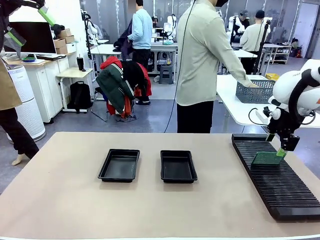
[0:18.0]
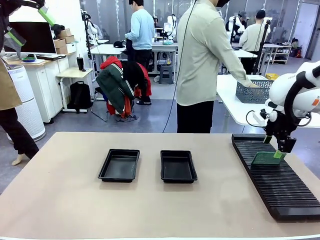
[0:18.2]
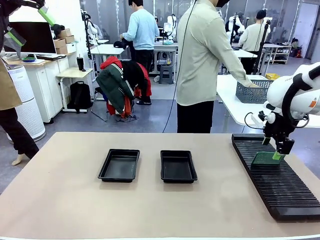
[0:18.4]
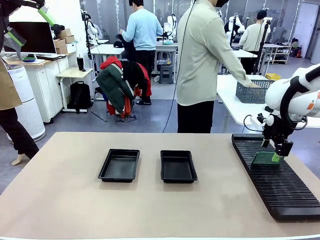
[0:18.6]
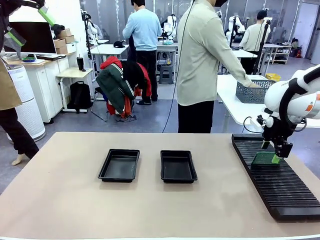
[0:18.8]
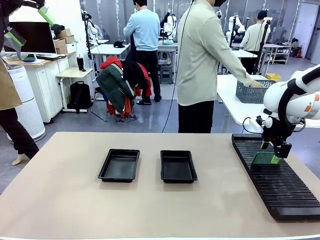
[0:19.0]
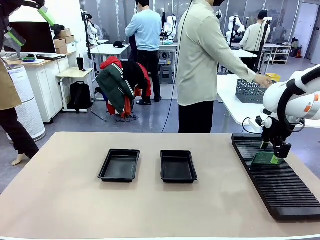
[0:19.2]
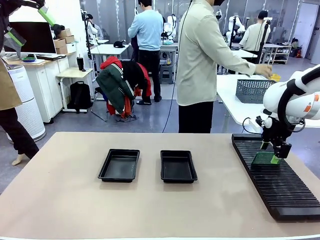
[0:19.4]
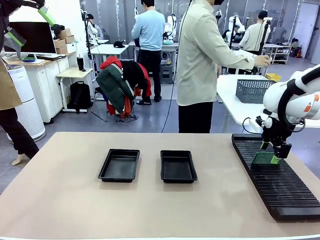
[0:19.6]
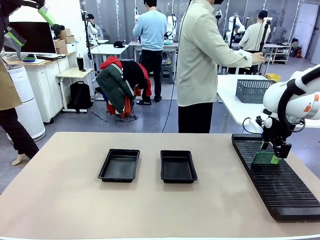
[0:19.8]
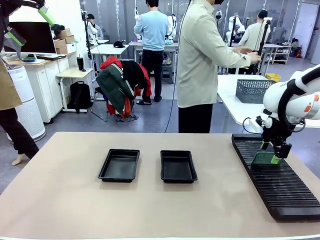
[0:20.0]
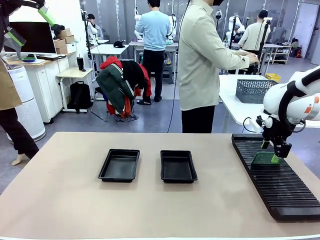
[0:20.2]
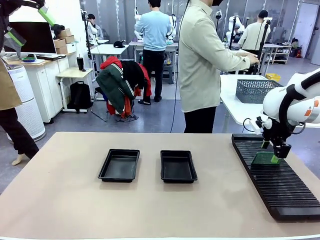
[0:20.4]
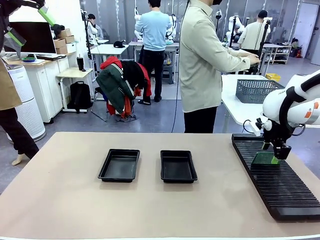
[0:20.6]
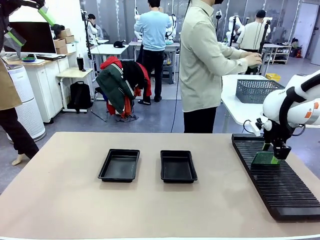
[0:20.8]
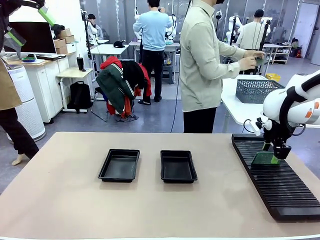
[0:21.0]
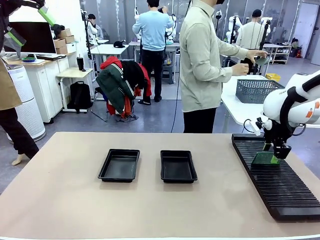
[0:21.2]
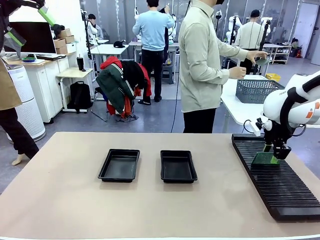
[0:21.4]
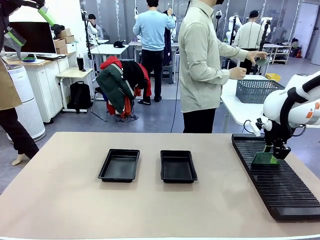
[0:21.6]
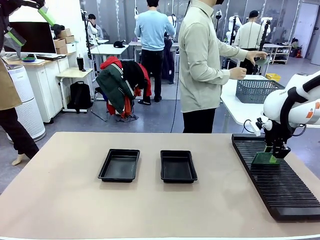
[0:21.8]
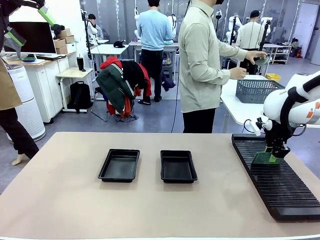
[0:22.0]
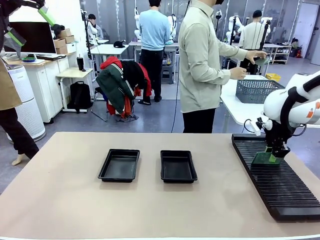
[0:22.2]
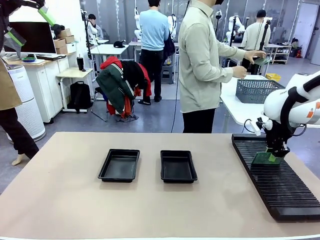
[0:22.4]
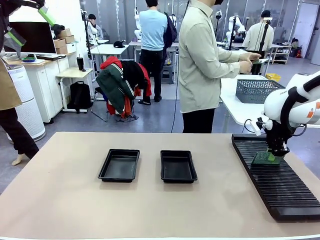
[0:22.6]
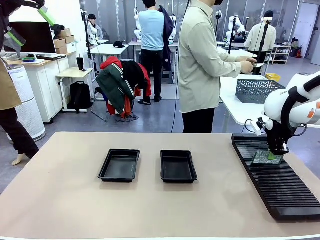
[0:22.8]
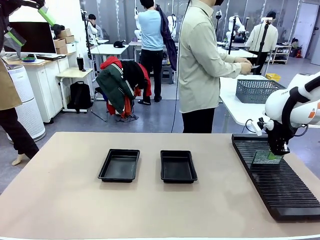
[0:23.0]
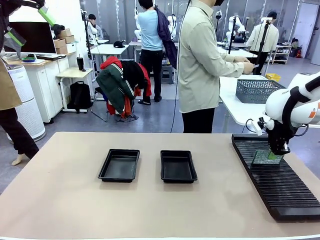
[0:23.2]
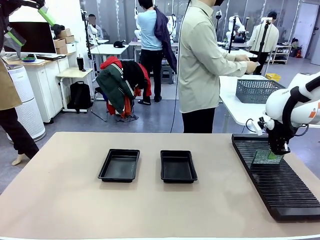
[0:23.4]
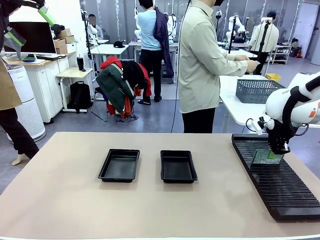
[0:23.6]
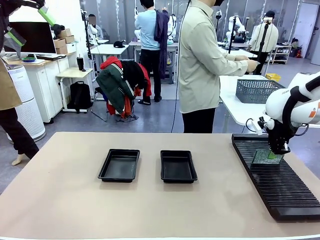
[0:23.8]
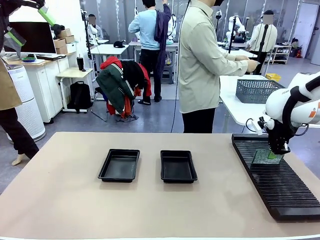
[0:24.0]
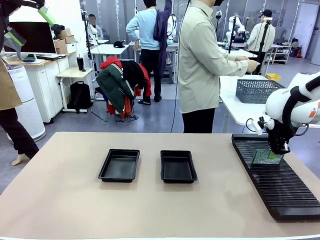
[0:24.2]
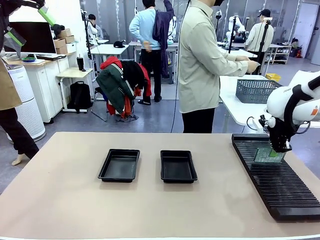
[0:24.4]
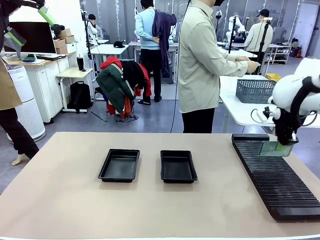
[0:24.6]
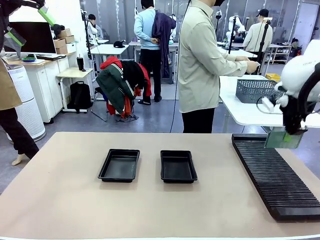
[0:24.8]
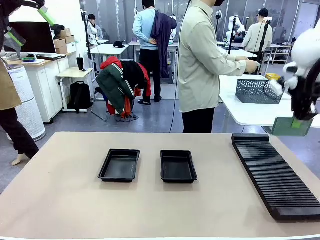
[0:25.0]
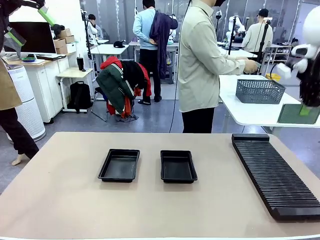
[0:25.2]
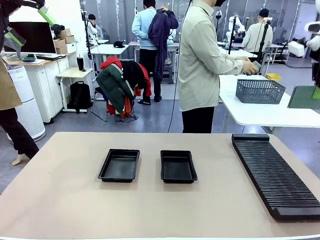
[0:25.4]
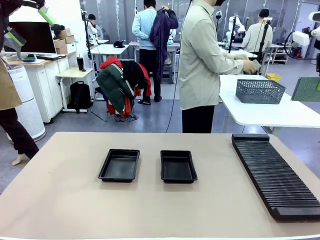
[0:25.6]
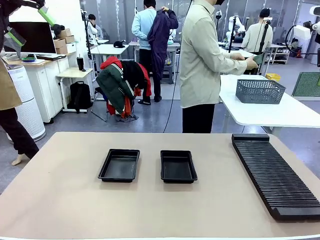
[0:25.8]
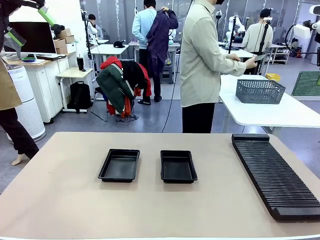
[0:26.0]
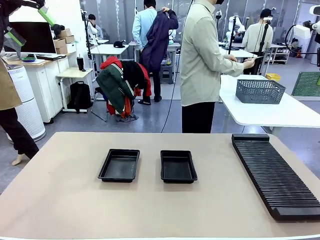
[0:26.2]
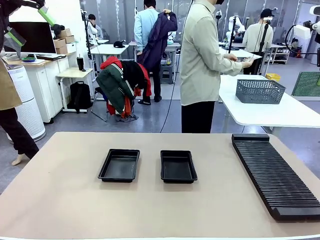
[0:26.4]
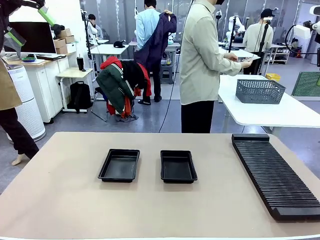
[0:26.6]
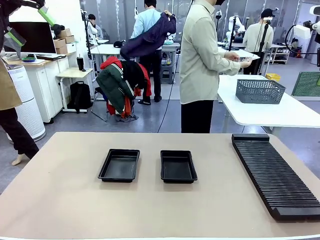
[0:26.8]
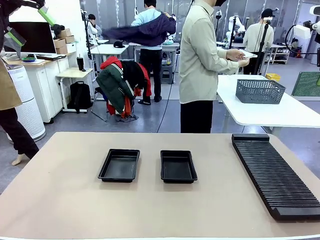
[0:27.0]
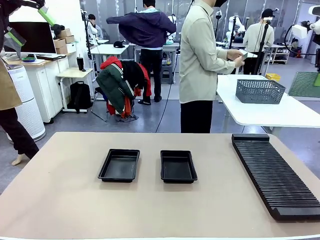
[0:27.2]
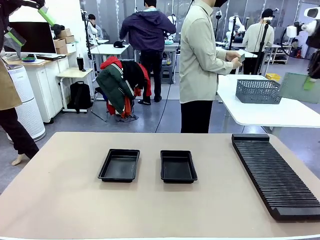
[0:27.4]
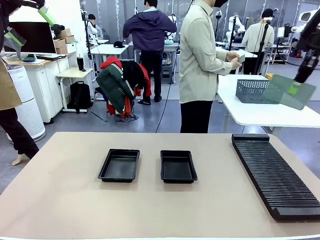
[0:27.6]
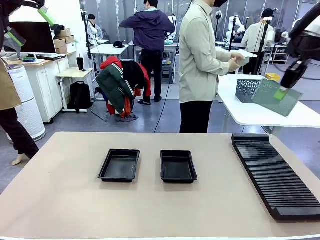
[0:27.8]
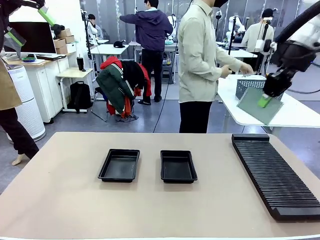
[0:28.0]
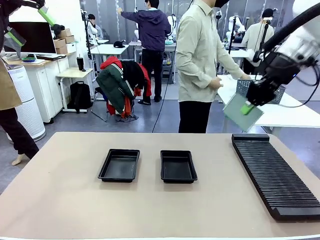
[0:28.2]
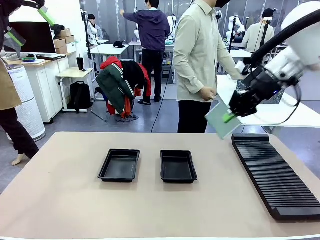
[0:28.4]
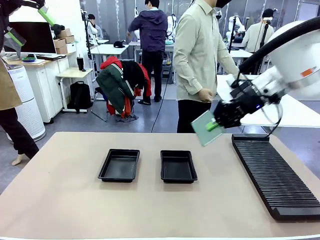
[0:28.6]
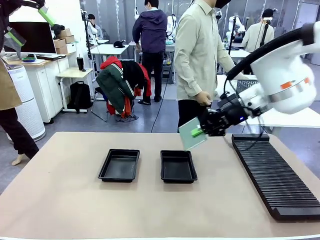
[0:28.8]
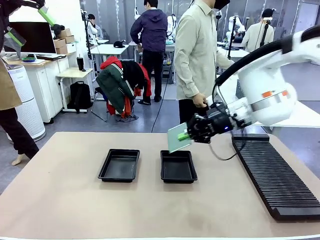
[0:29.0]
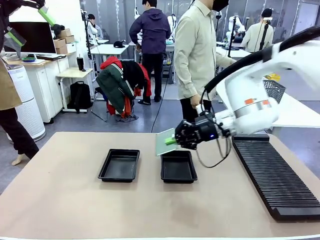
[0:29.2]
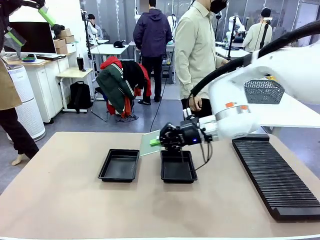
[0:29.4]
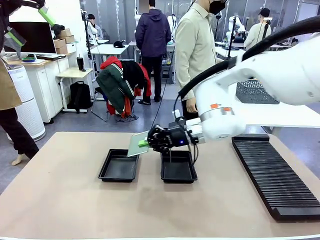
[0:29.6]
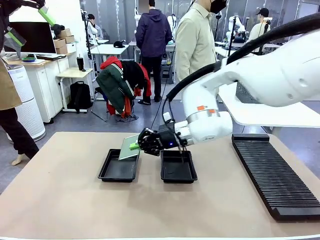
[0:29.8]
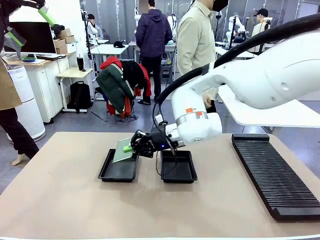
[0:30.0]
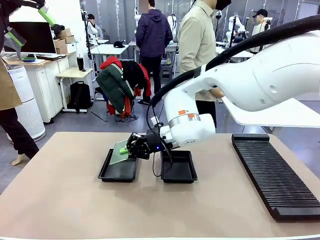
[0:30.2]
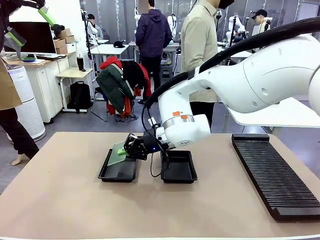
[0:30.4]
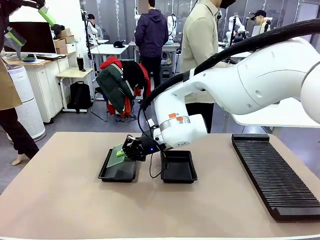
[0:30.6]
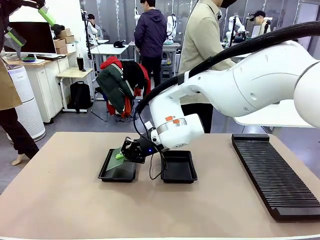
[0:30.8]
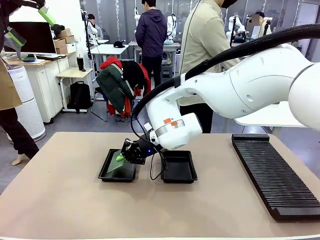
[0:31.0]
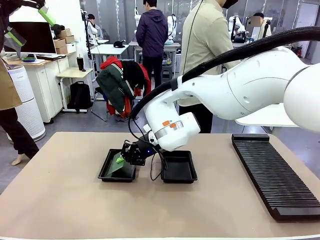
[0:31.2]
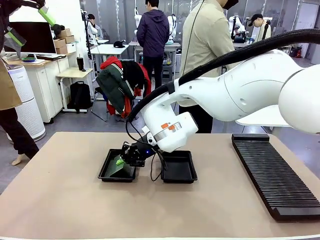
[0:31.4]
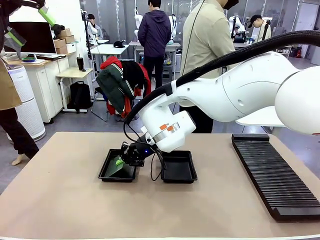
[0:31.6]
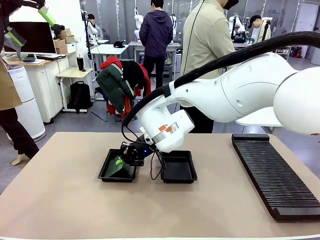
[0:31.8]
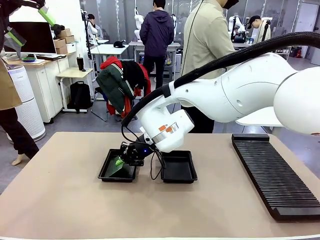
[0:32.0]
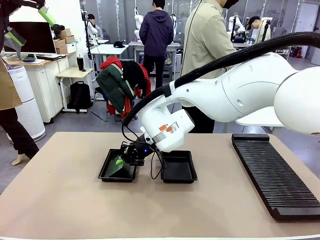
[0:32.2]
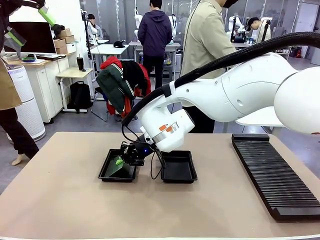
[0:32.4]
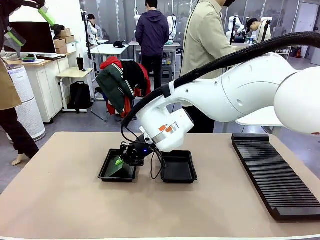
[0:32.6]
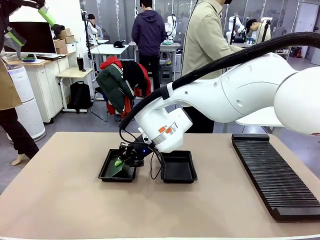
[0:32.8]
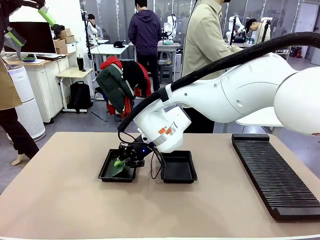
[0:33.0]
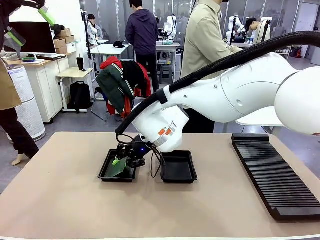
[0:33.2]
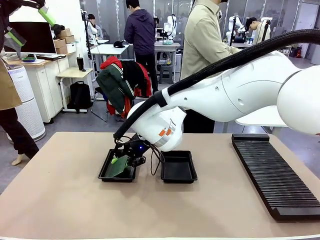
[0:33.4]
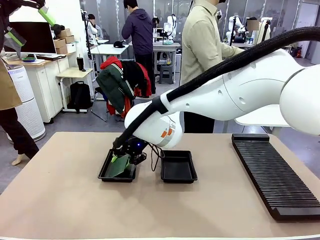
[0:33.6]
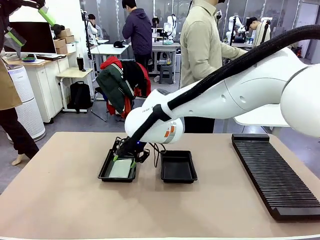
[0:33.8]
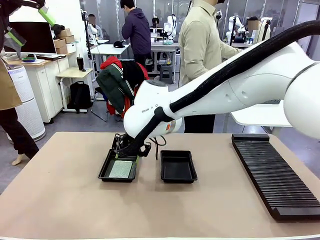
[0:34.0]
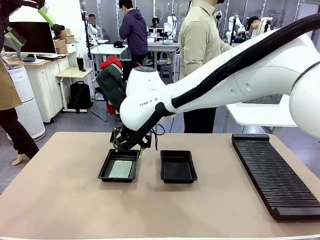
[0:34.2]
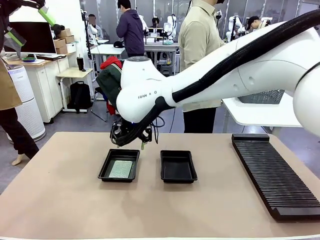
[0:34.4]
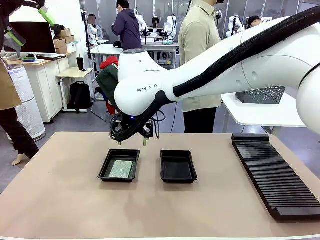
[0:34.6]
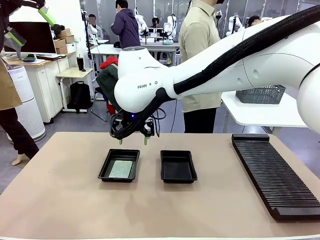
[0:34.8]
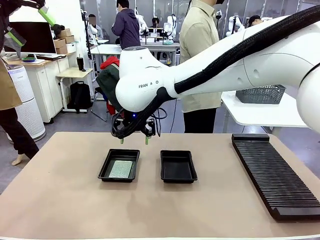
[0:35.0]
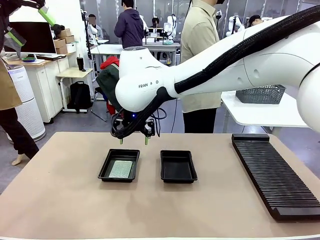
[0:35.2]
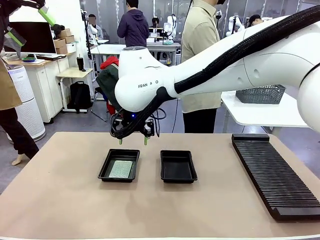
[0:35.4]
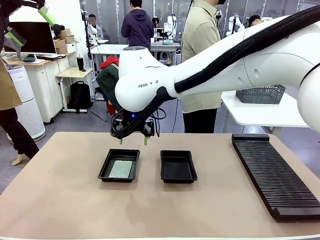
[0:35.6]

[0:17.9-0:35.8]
Task: Inspect and transfer BCBs to ESD trays.
Robot: Pick up the Blank PCB from the PCB Rack and place it in the left ESD tray.
